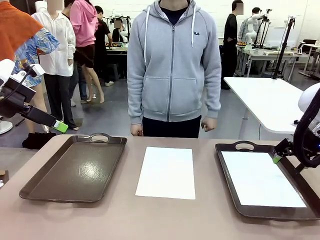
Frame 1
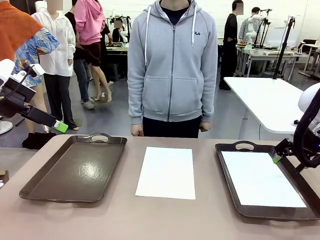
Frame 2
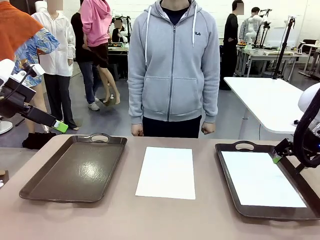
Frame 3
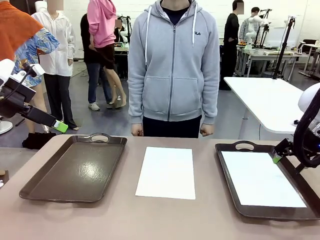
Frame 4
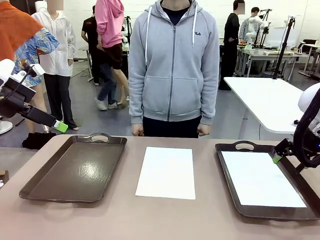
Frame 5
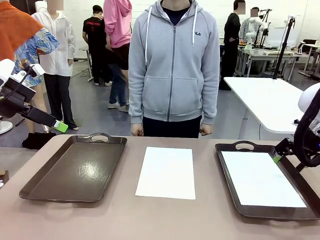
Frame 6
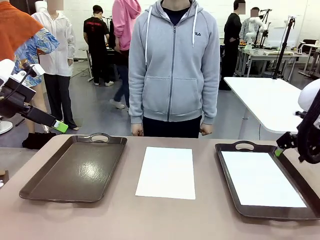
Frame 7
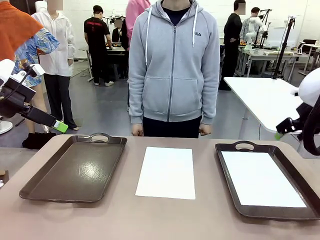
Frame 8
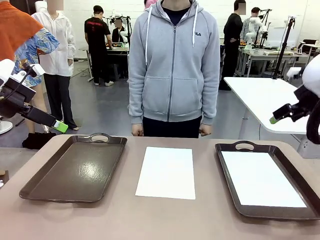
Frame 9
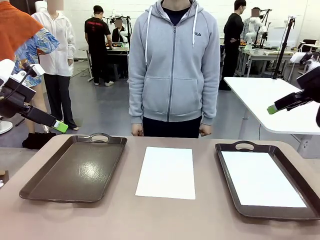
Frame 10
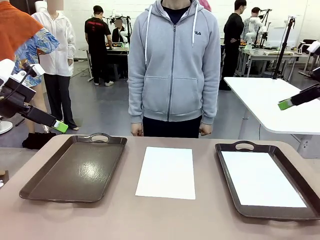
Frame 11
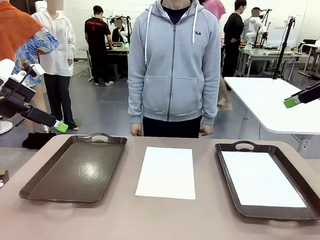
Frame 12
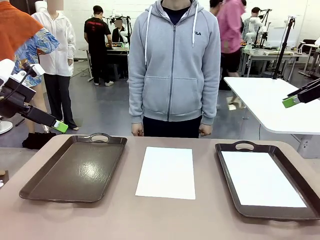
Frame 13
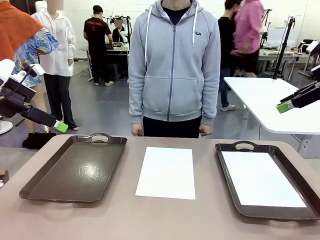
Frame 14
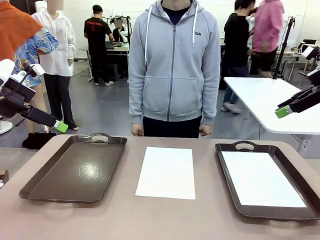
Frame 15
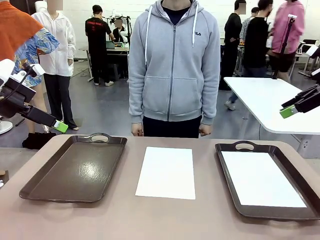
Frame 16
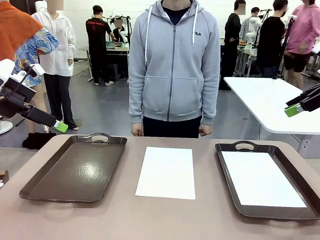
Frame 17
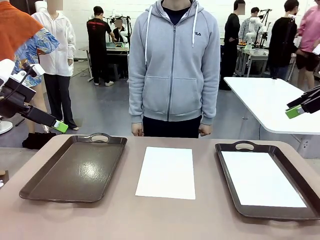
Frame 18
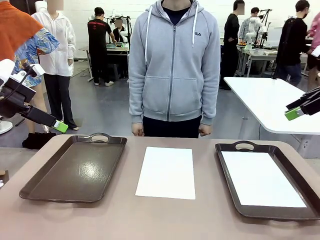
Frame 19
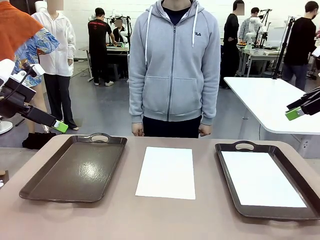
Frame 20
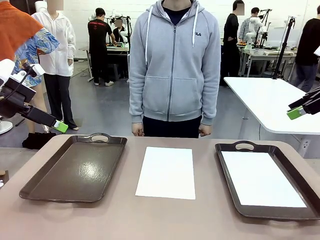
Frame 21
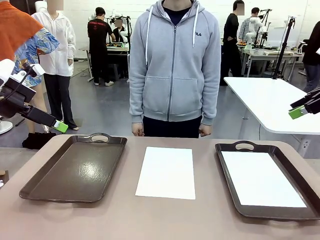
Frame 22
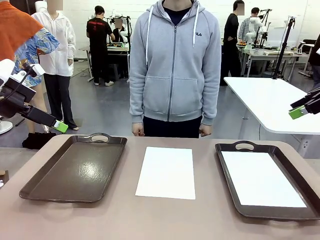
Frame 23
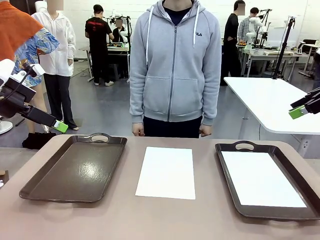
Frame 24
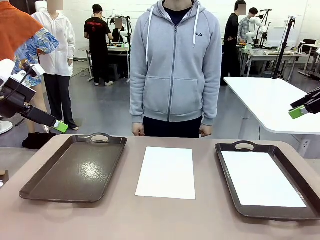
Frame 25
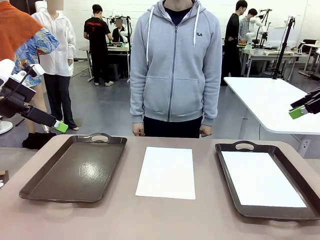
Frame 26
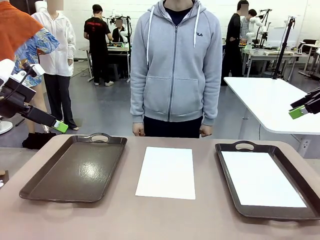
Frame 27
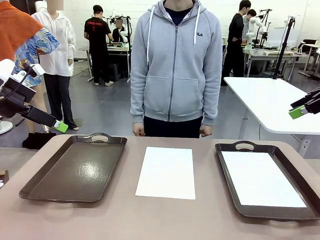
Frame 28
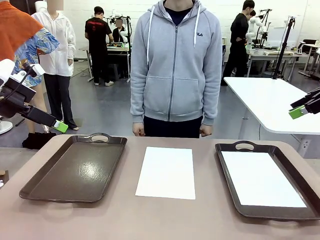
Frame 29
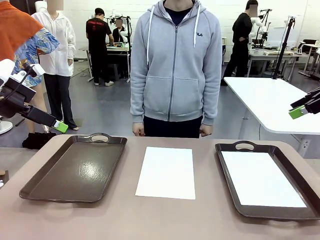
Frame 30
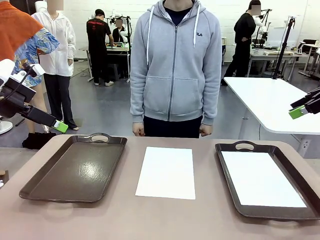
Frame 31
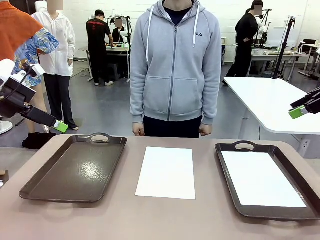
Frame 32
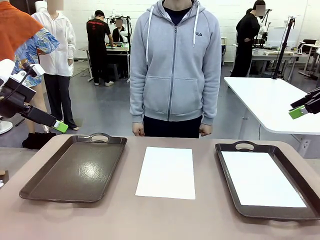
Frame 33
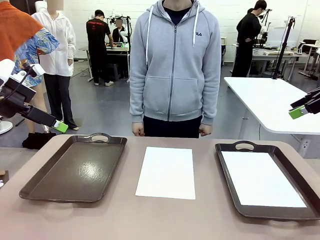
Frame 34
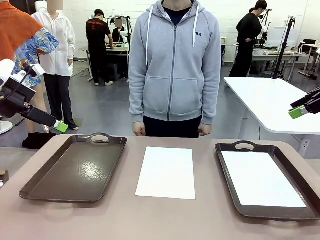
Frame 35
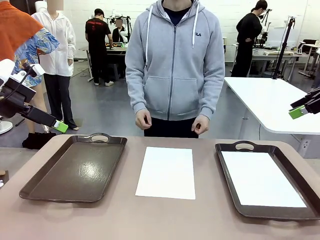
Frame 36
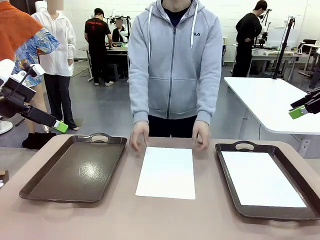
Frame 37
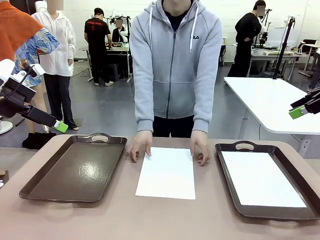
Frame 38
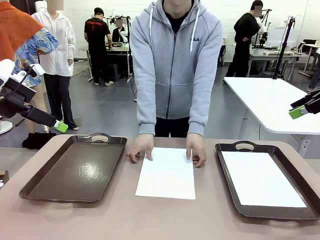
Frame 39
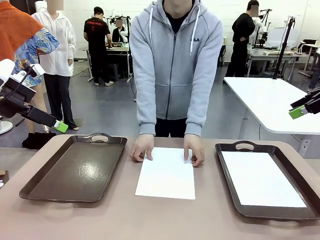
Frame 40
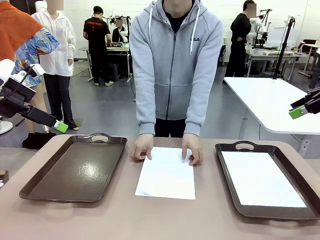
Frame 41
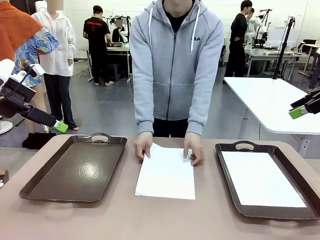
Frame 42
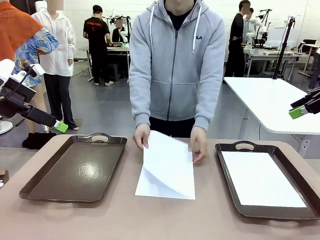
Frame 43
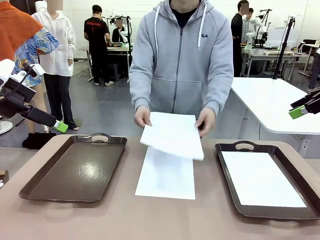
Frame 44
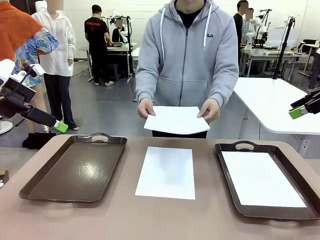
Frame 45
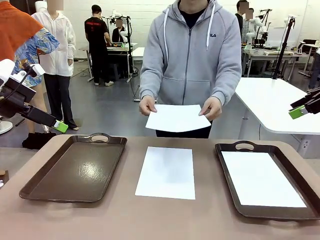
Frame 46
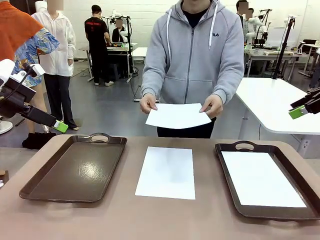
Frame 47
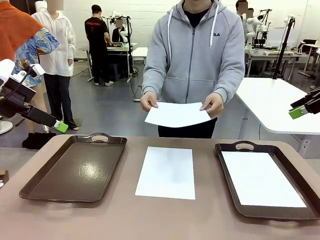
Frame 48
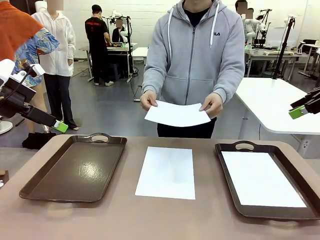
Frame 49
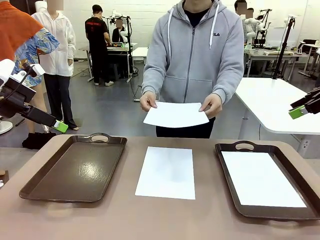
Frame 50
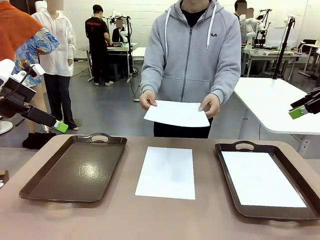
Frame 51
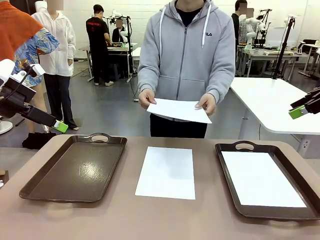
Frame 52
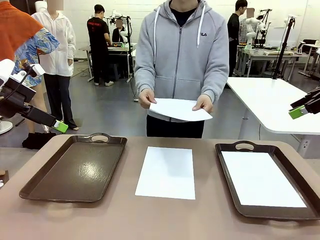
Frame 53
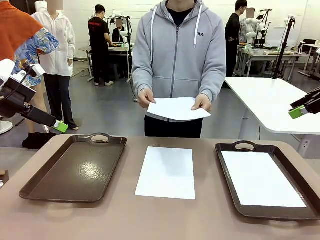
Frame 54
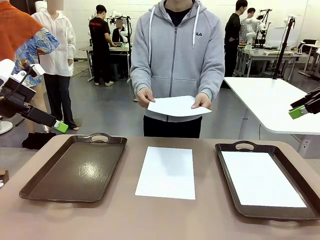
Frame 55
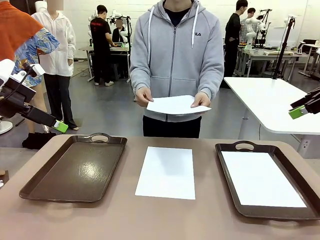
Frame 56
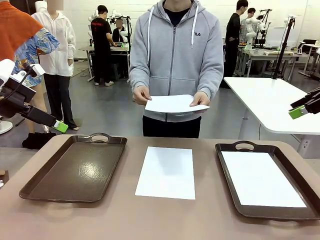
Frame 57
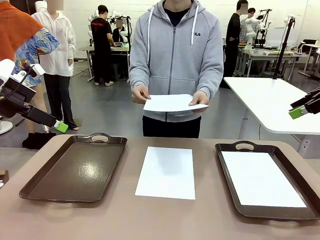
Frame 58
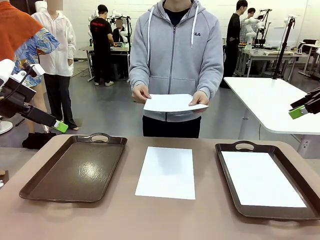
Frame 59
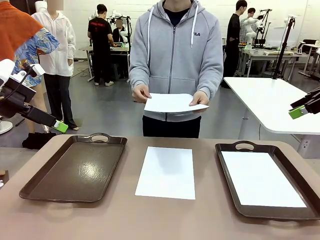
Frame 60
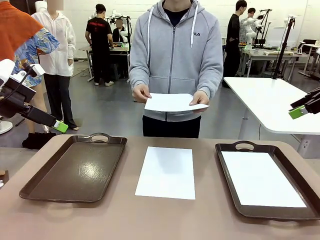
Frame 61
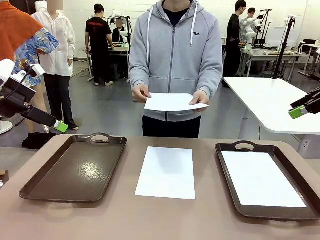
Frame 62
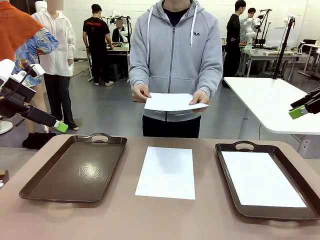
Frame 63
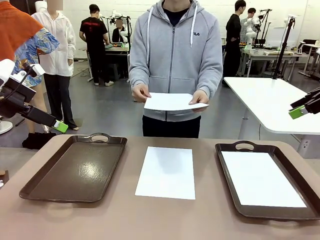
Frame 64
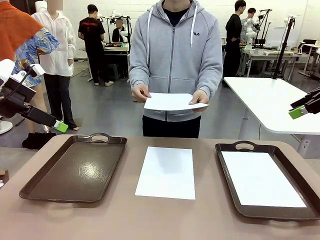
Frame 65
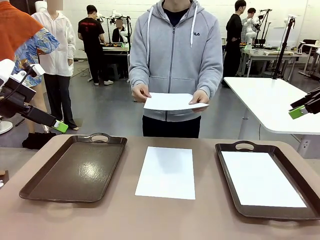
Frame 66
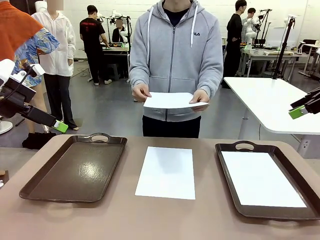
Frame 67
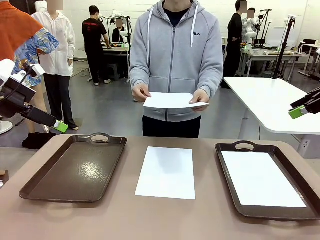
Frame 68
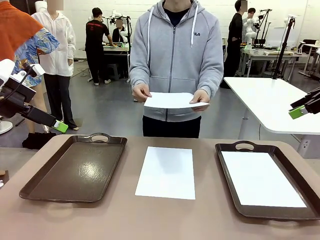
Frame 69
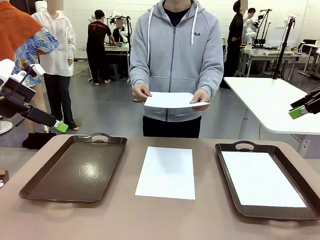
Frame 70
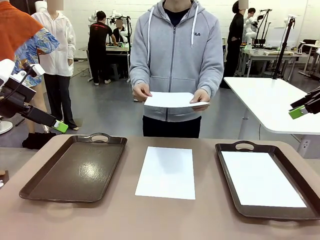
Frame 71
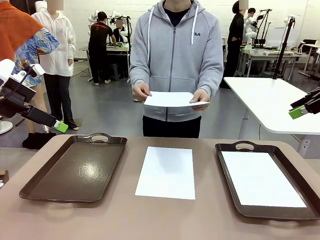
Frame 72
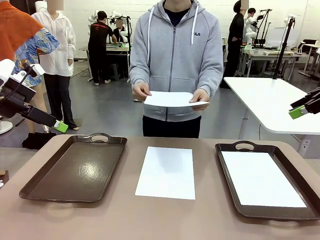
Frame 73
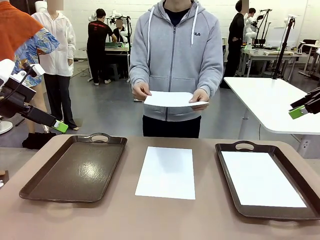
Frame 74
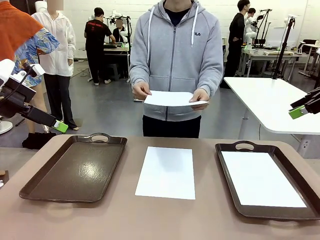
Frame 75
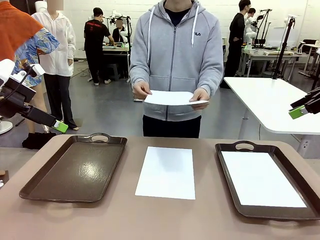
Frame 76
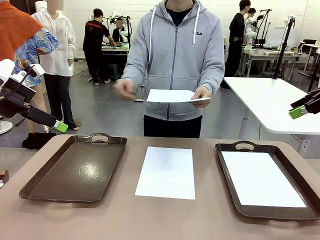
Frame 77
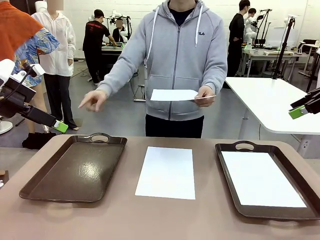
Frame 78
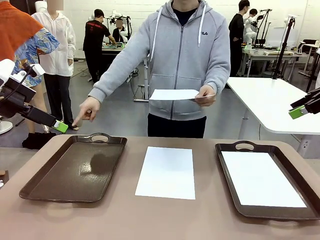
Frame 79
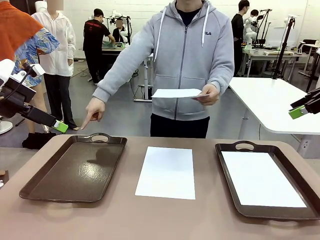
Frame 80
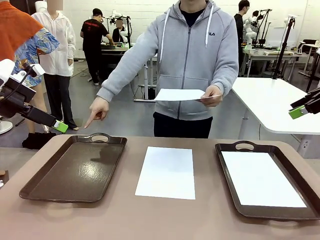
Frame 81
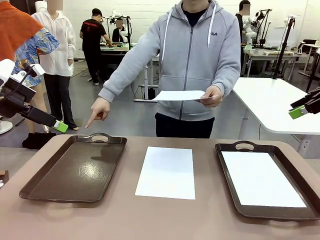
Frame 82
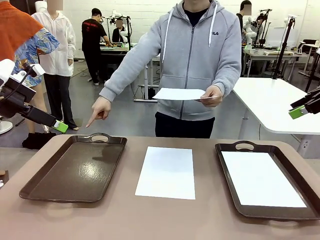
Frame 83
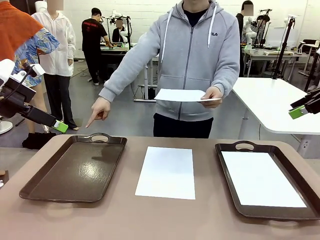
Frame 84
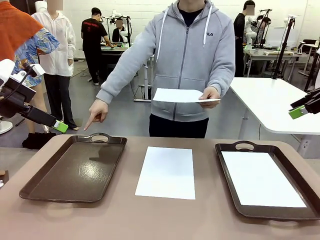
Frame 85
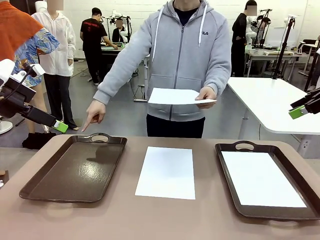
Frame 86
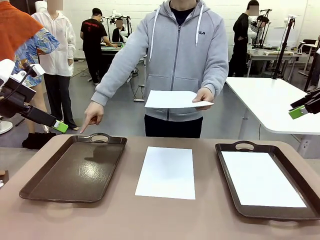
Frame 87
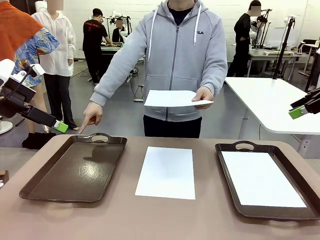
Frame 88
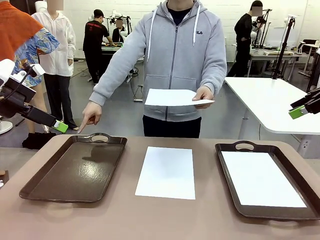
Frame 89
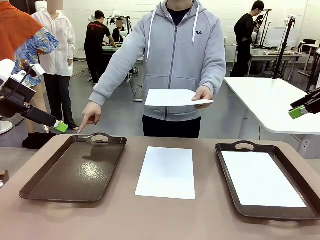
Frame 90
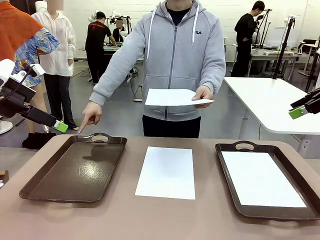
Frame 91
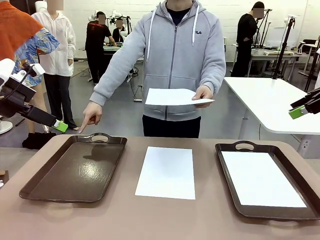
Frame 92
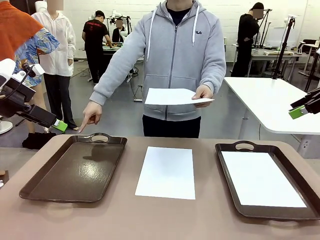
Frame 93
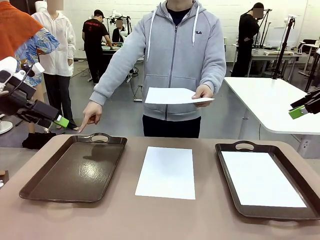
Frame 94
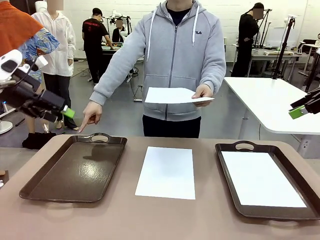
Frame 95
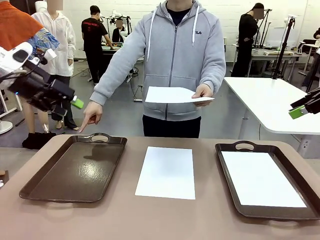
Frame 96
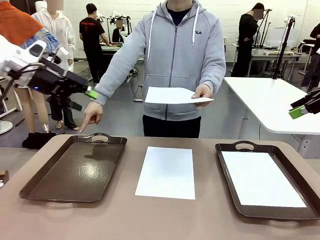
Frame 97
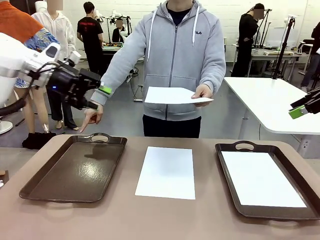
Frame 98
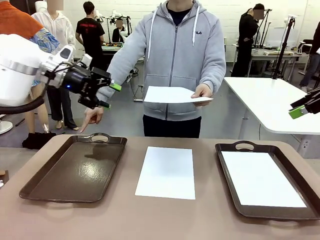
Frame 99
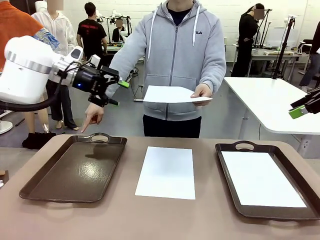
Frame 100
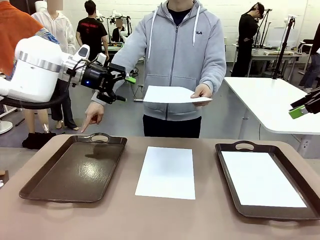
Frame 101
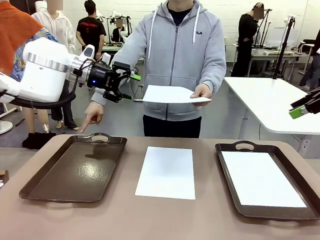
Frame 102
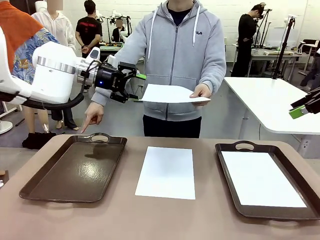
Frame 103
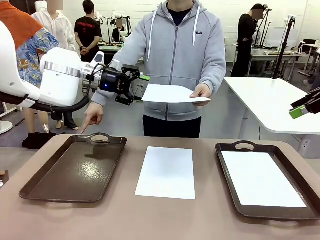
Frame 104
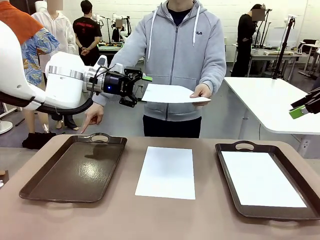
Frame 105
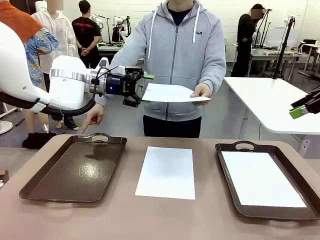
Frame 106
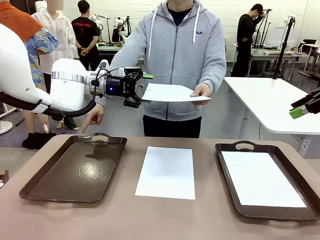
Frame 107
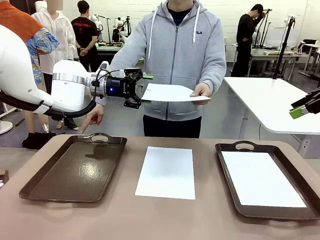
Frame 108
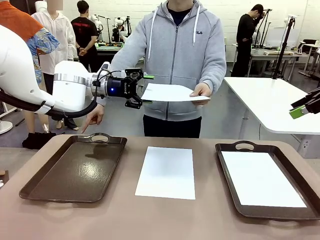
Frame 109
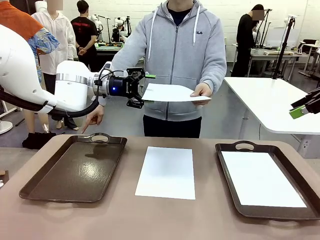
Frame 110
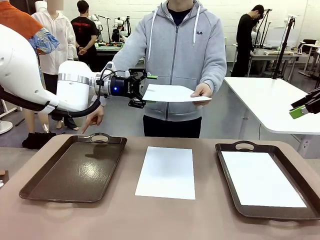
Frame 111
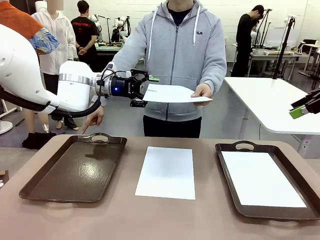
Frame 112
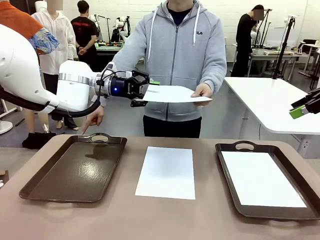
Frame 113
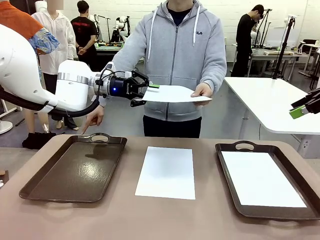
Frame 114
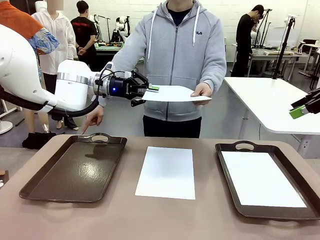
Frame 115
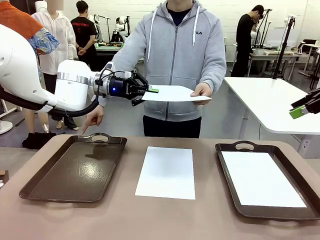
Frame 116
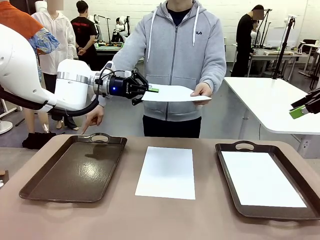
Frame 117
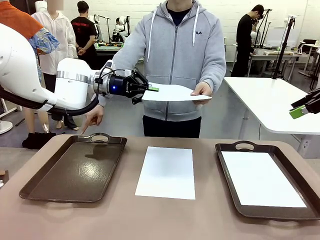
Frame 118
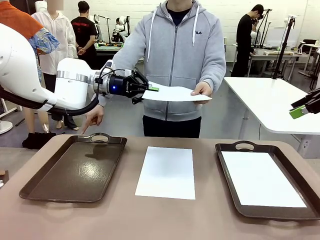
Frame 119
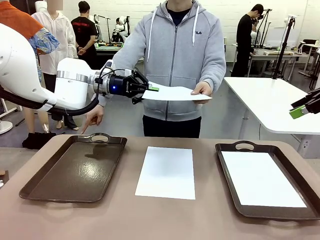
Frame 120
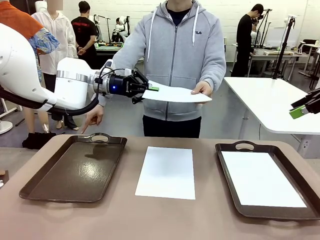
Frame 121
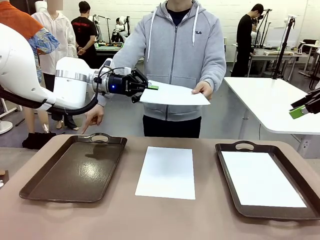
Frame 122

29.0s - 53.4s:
Task: Sort the A4 documents.
Robot: Receive the A4 Paper.
Person: Point the randomly selected tray with the other hand.
